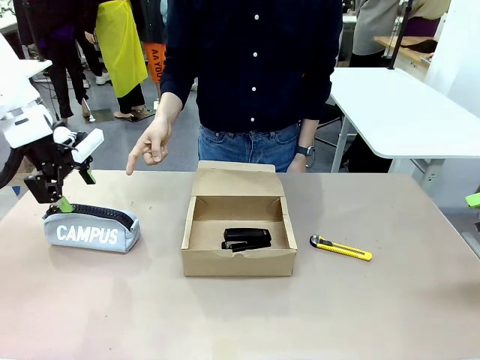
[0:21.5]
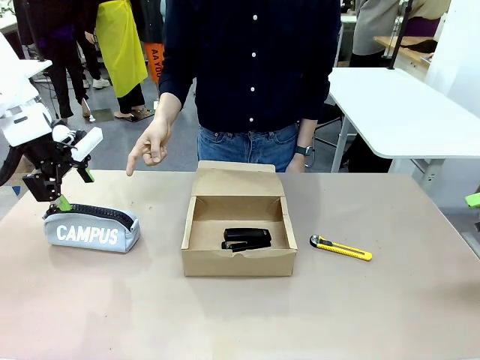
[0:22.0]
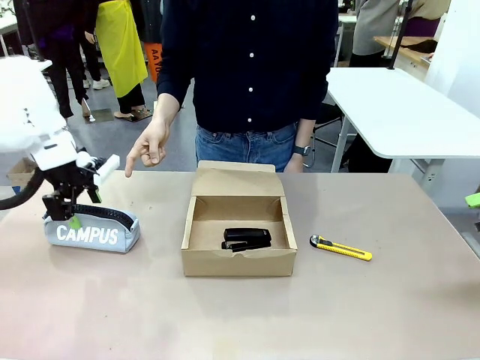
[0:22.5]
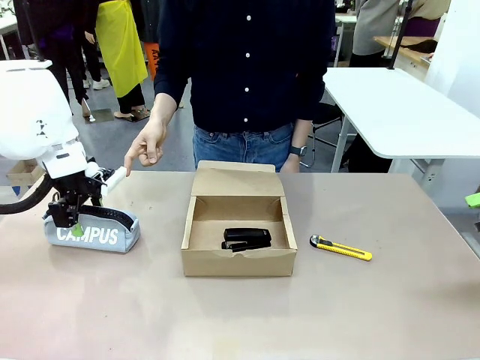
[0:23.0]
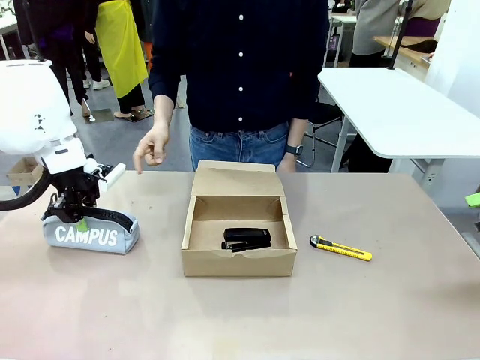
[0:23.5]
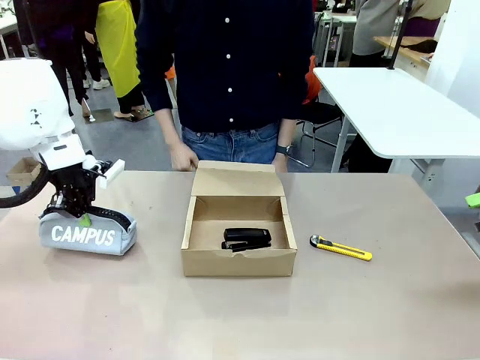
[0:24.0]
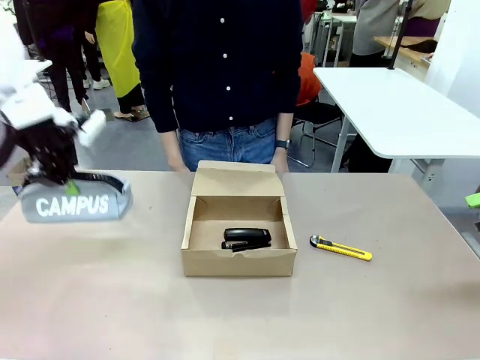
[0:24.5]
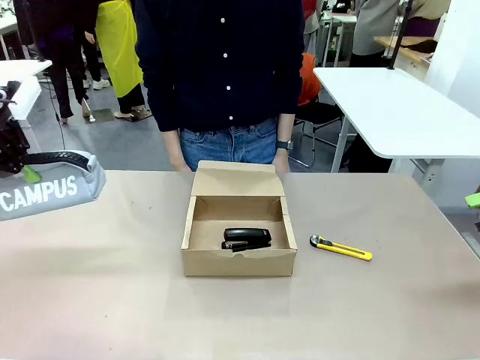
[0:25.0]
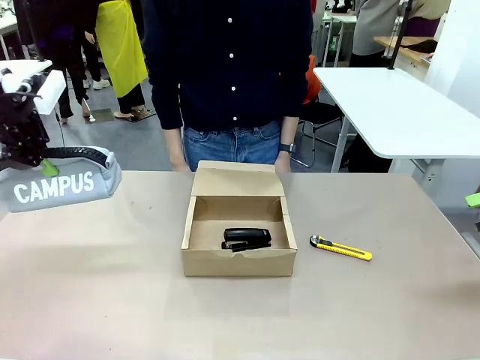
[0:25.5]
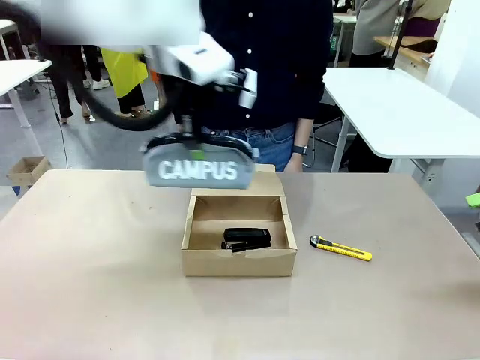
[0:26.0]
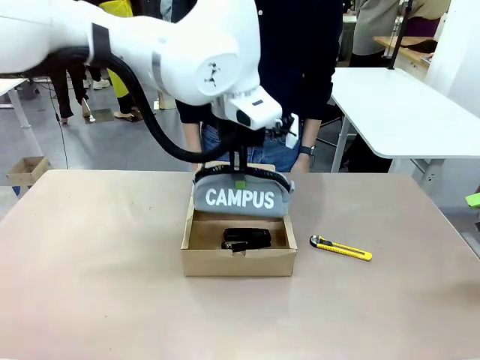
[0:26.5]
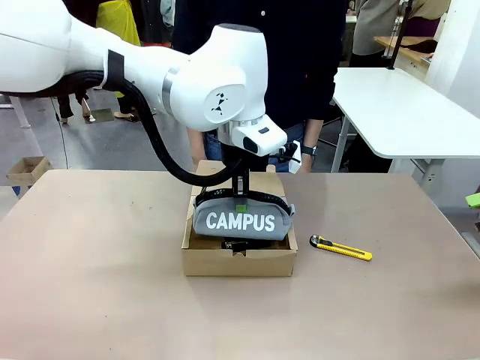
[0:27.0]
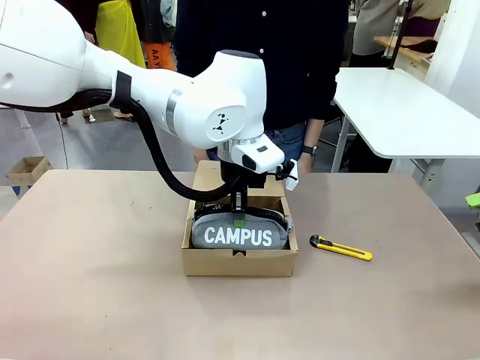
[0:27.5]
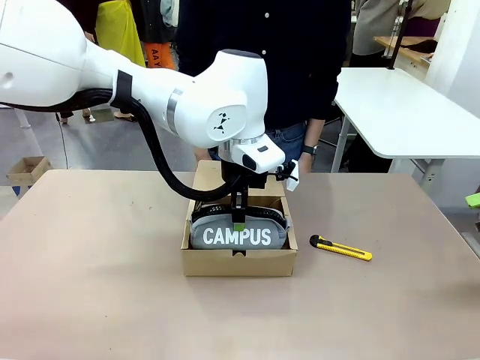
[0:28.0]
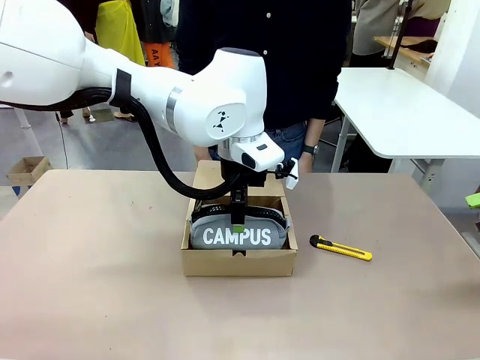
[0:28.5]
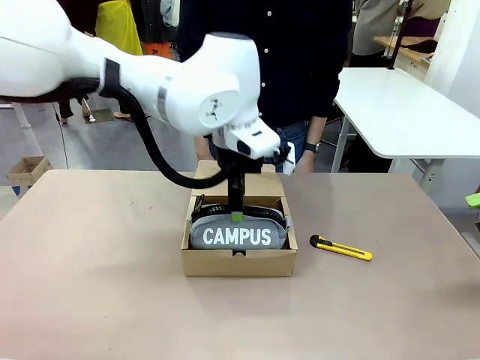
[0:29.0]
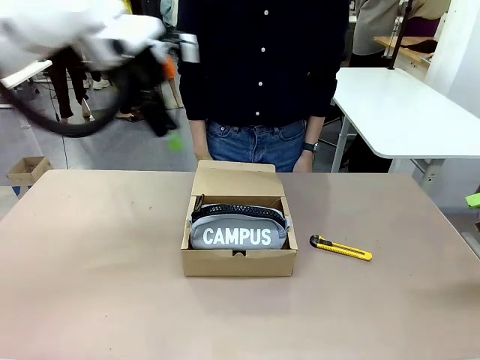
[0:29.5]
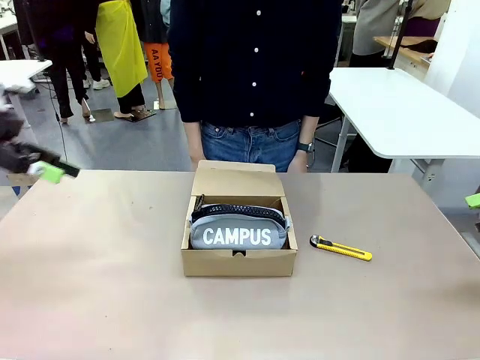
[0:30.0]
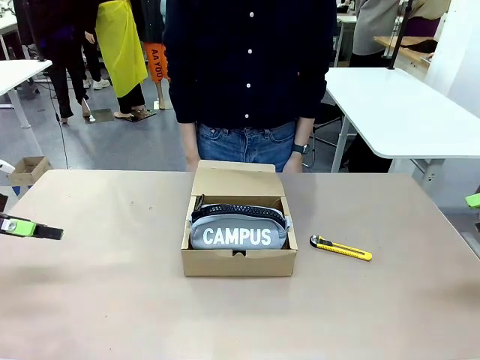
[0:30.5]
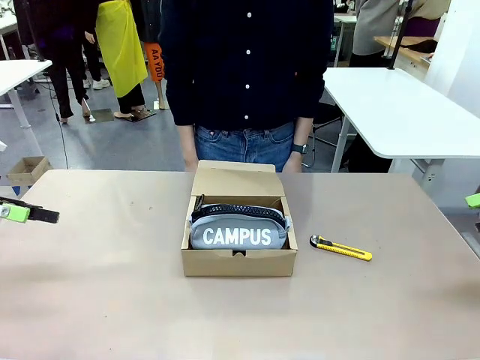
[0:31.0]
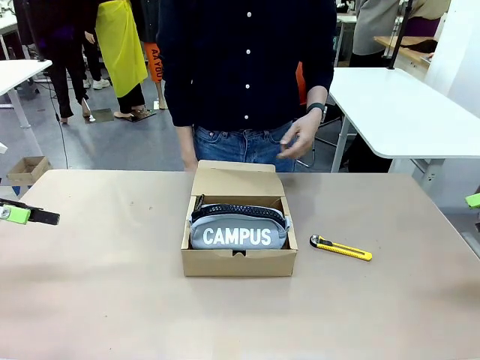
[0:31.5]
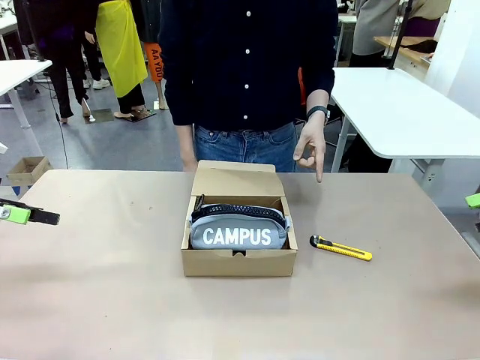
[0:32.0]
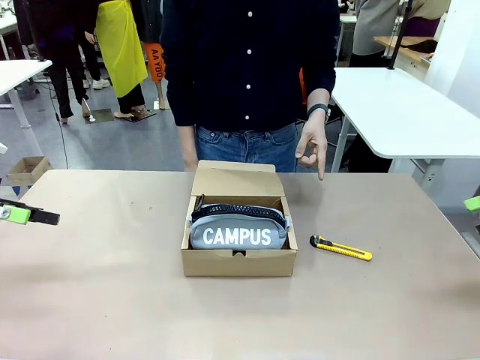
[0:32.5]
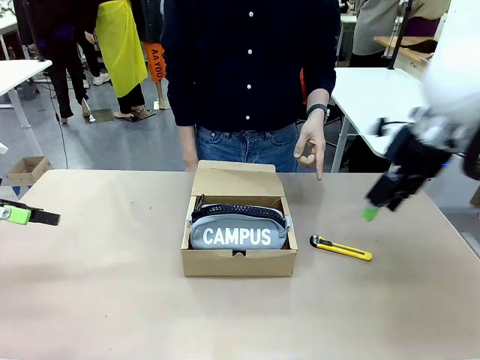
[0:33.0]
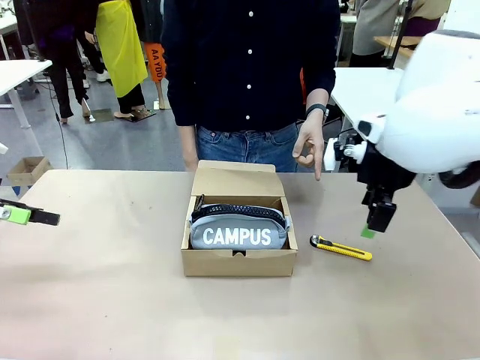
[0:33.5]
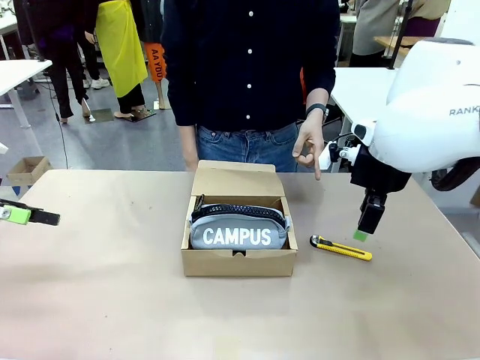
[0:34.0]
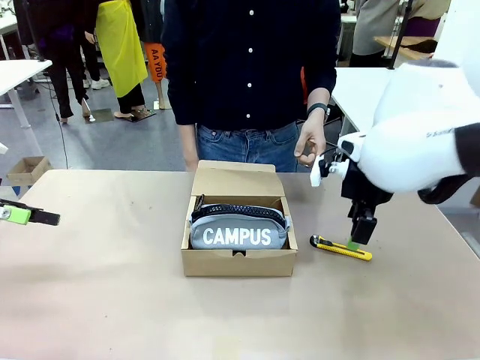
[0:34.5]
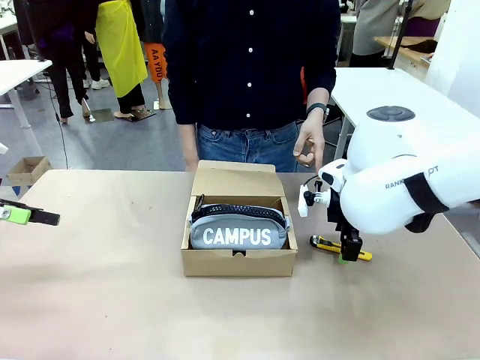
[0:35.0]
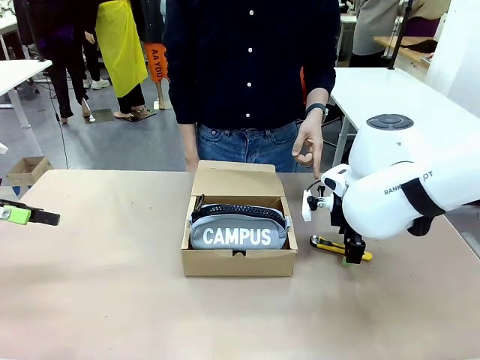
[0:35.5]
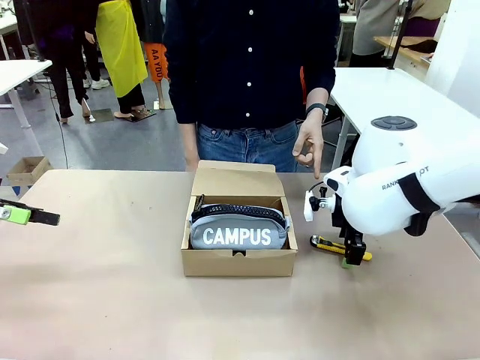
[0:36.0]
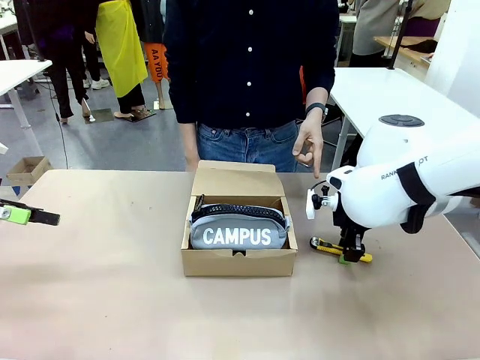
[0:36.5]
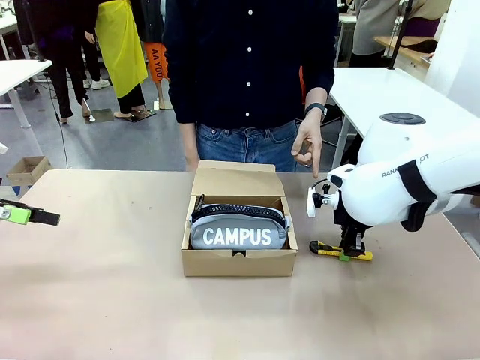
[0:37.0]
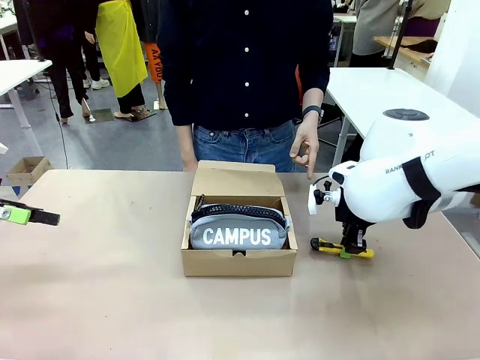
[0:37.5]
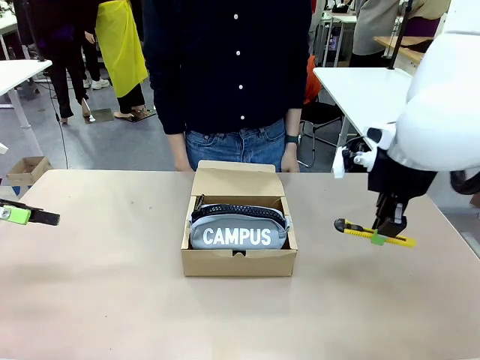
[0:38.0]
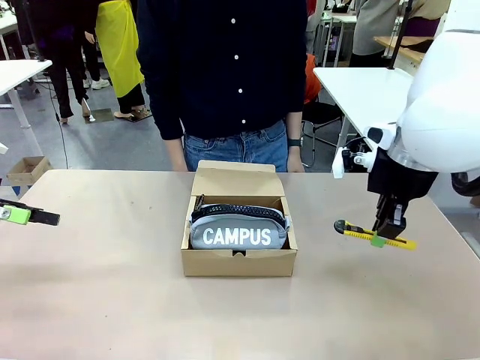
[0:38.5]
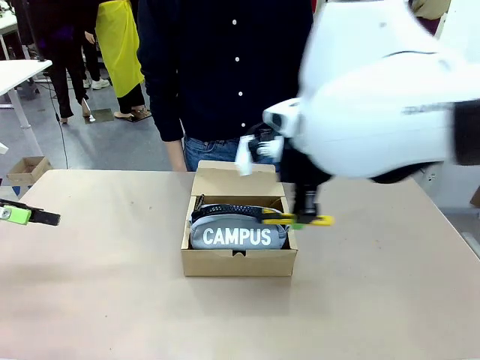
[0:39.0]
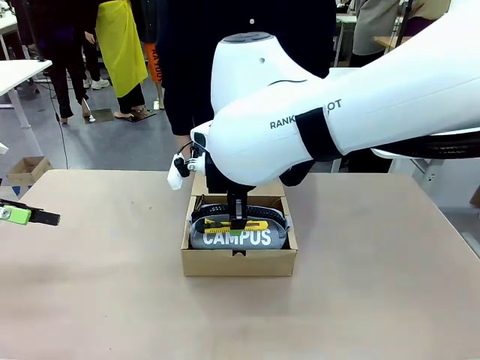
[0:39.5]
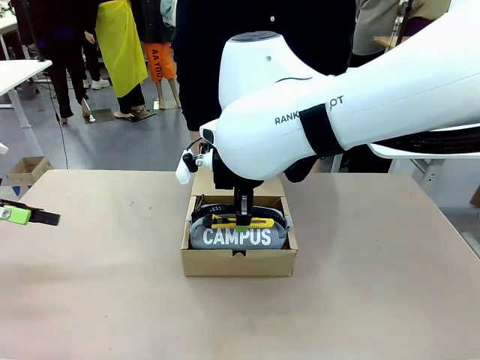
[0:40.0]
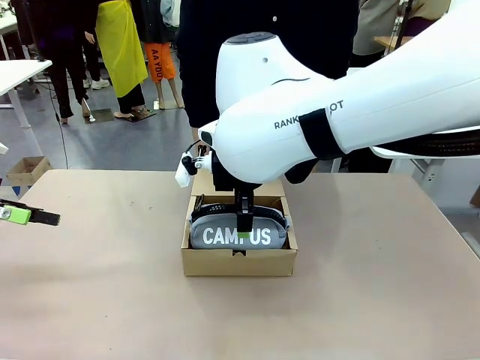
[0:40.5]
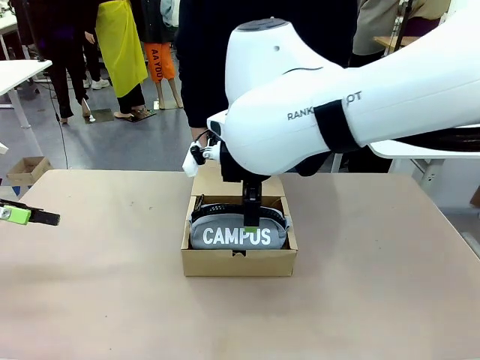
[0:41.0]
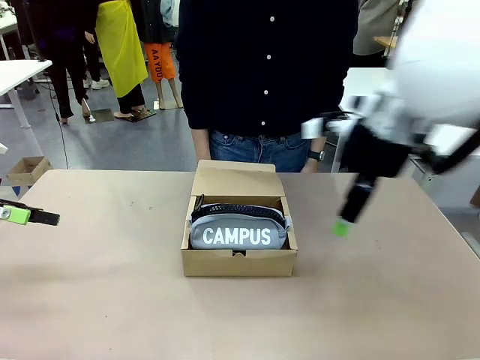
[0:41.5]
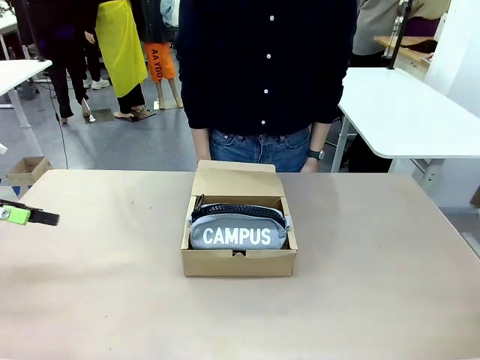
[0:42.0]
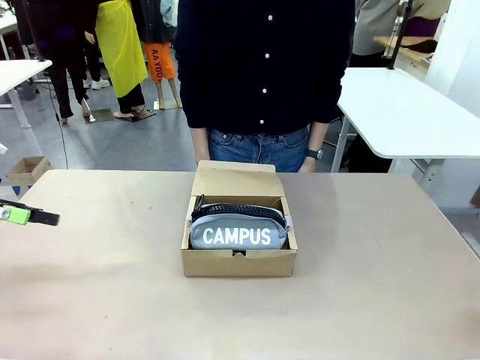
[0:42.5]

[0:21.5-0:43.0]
Task: Pack the items into the box.
Robot: Pick up the item indicated by the person and place it inside the Mailer Box.
